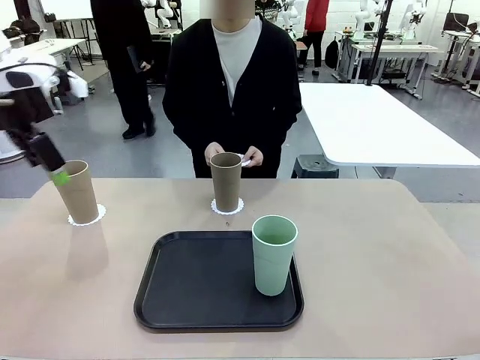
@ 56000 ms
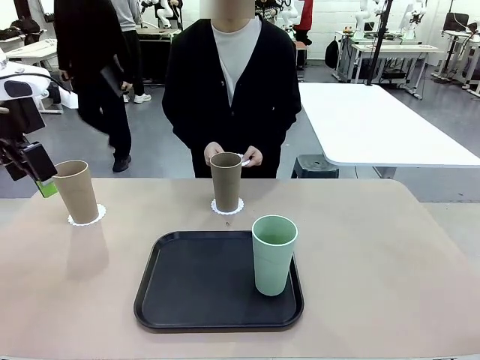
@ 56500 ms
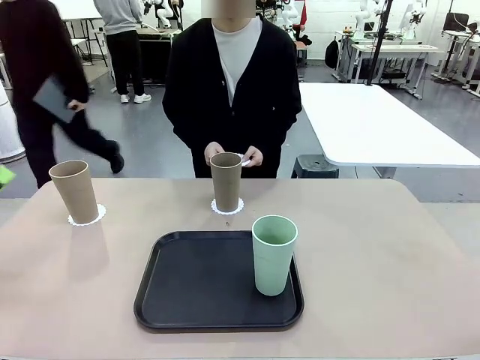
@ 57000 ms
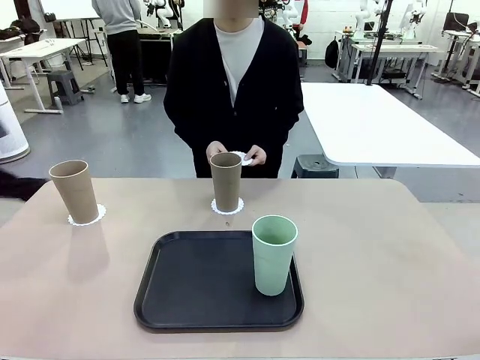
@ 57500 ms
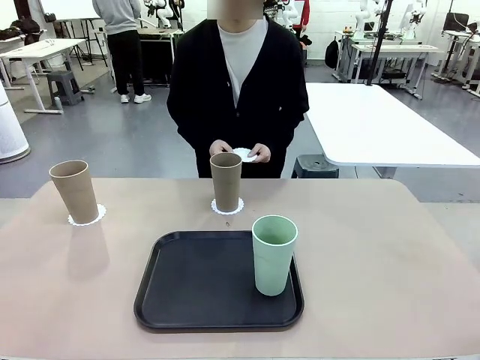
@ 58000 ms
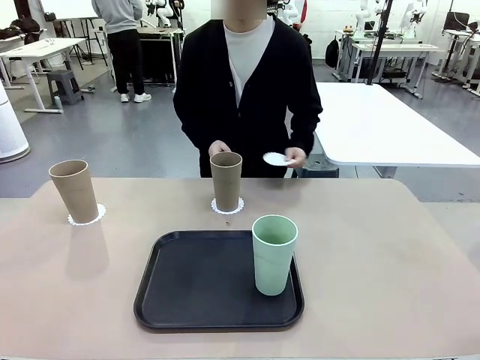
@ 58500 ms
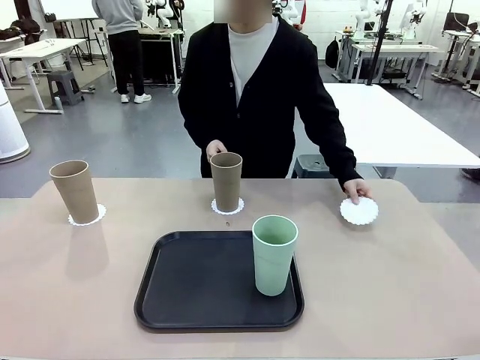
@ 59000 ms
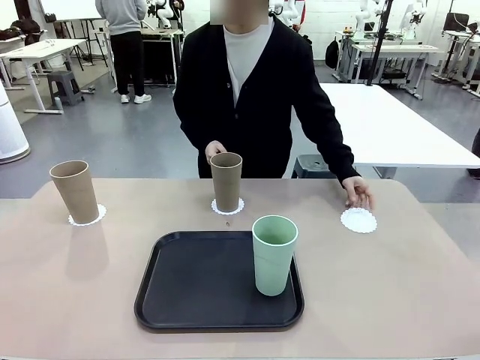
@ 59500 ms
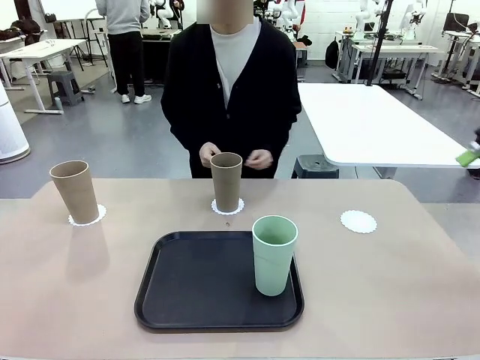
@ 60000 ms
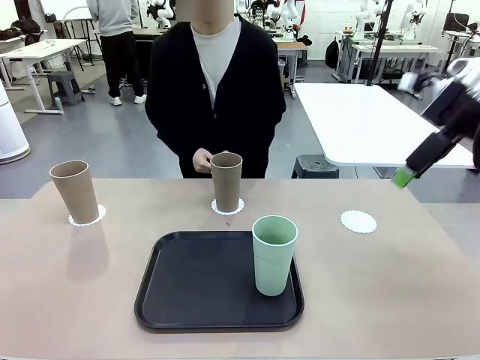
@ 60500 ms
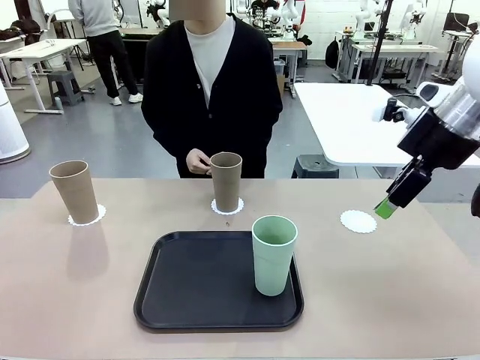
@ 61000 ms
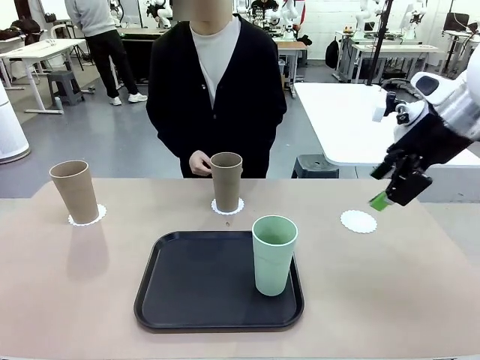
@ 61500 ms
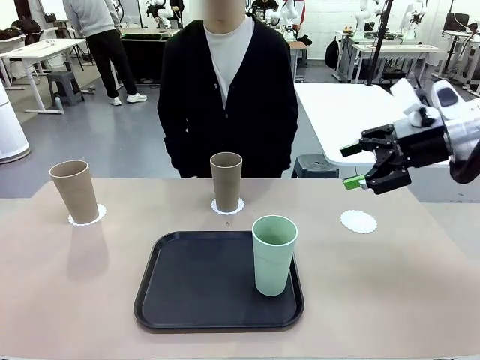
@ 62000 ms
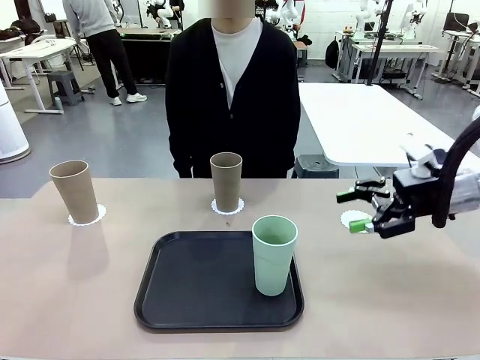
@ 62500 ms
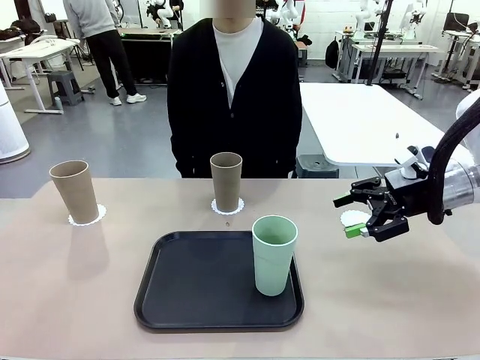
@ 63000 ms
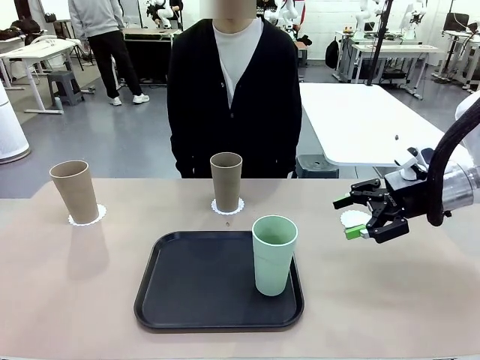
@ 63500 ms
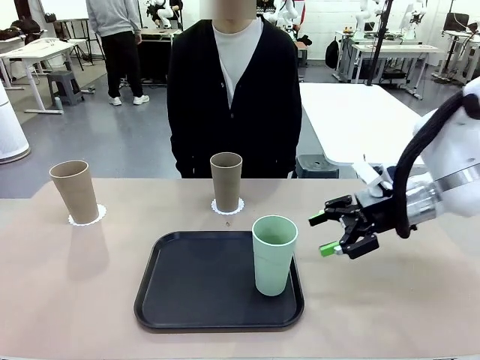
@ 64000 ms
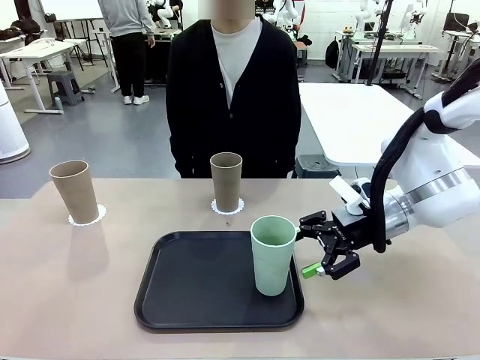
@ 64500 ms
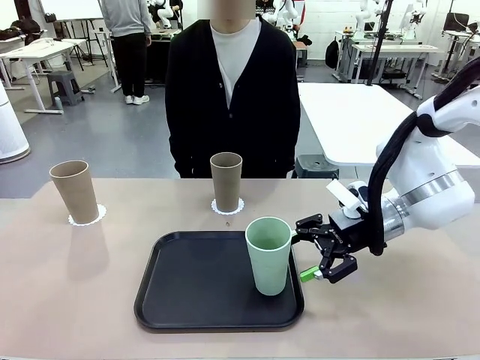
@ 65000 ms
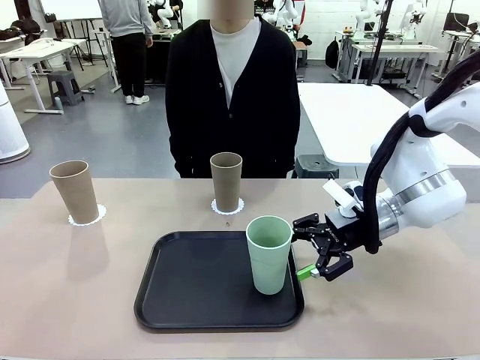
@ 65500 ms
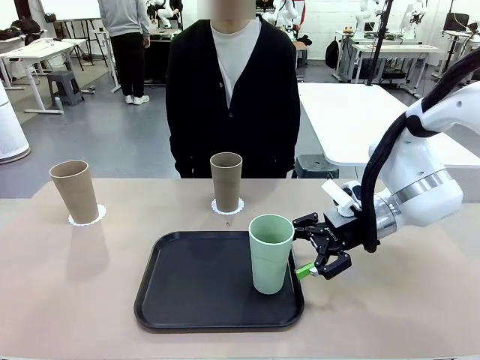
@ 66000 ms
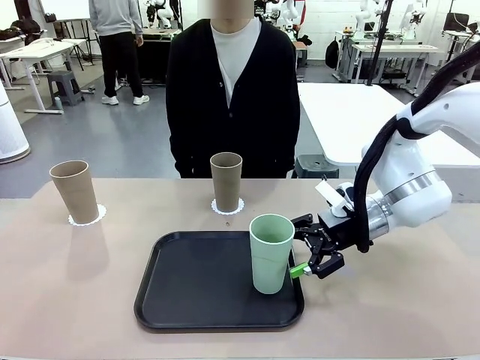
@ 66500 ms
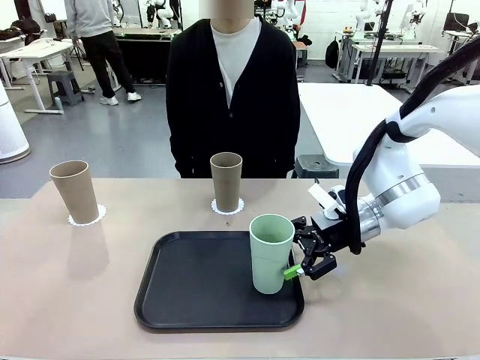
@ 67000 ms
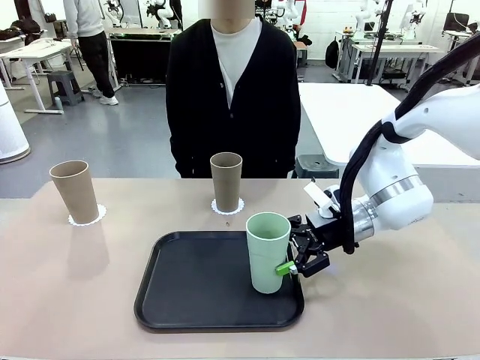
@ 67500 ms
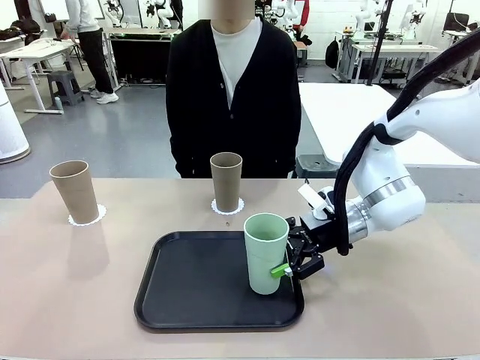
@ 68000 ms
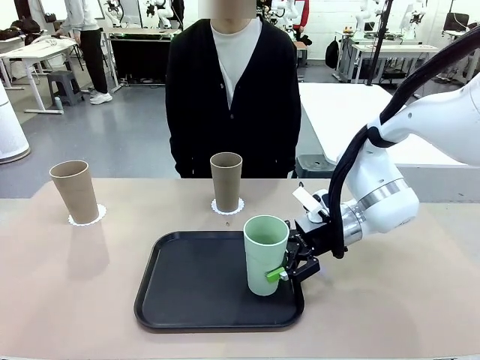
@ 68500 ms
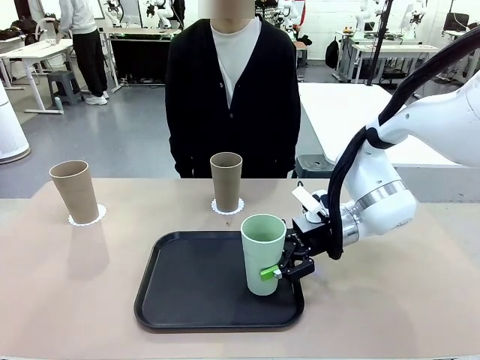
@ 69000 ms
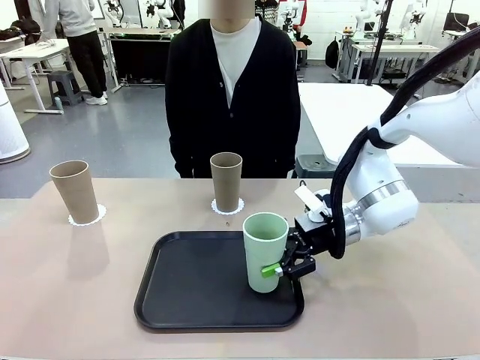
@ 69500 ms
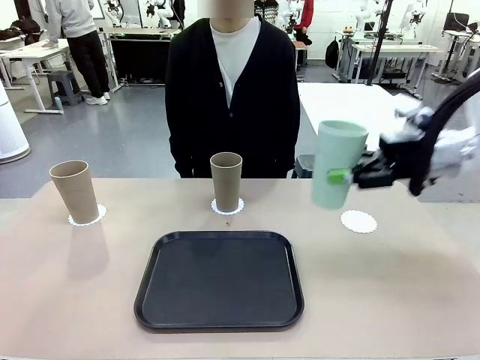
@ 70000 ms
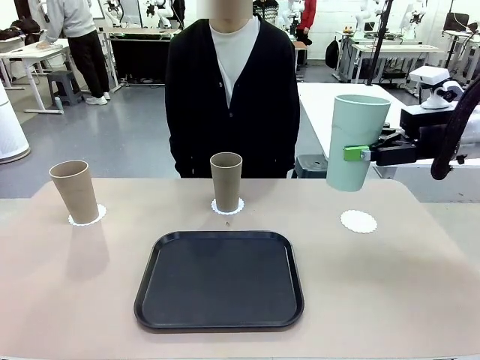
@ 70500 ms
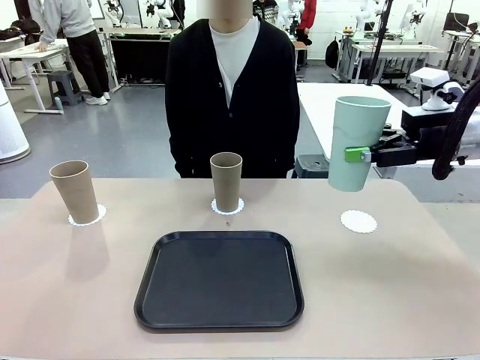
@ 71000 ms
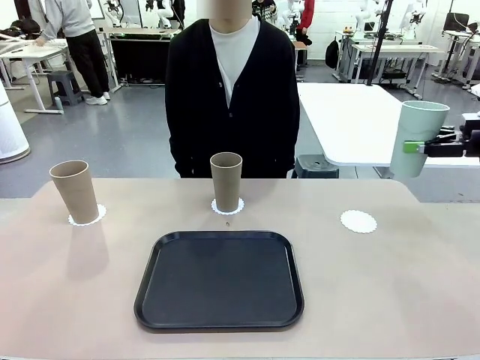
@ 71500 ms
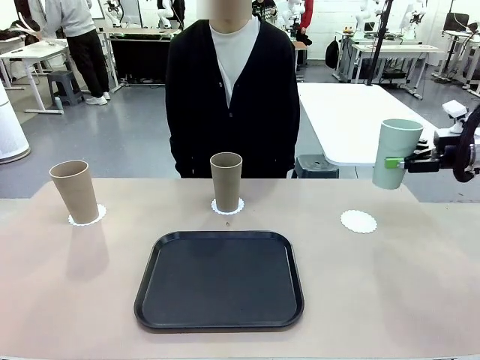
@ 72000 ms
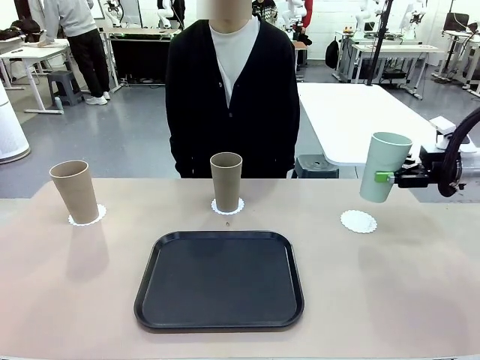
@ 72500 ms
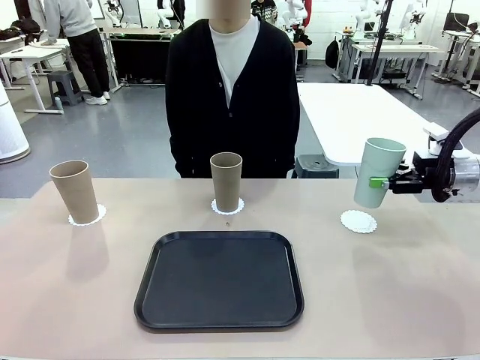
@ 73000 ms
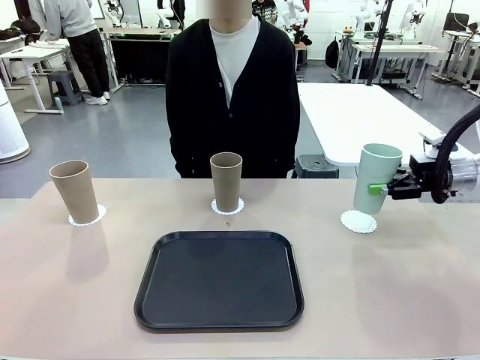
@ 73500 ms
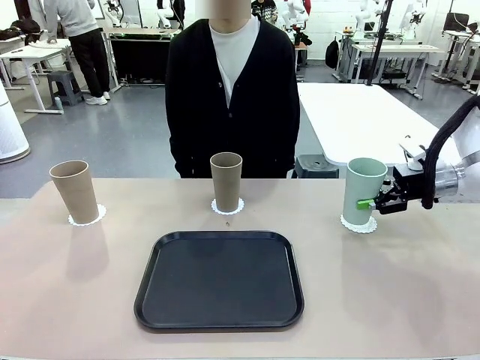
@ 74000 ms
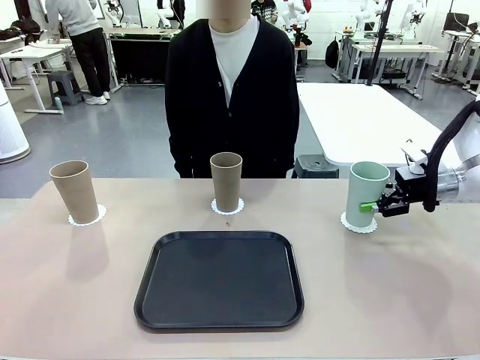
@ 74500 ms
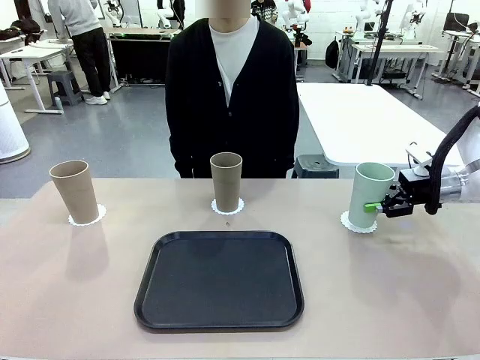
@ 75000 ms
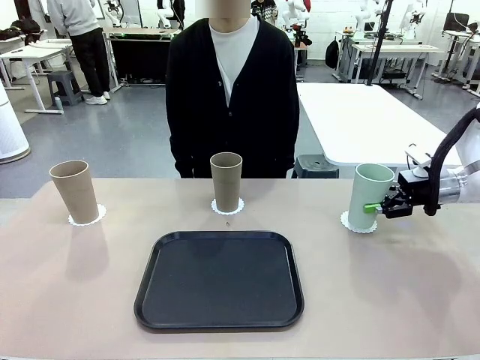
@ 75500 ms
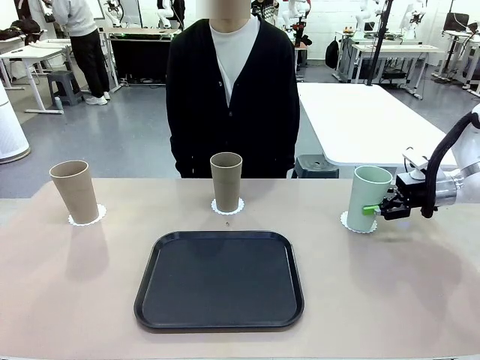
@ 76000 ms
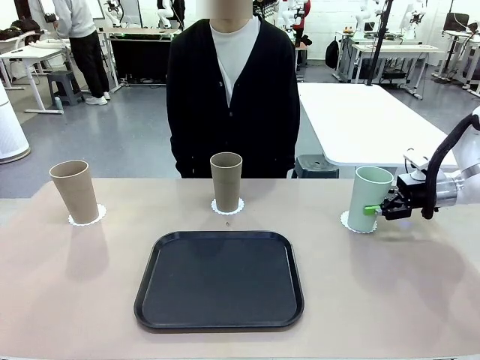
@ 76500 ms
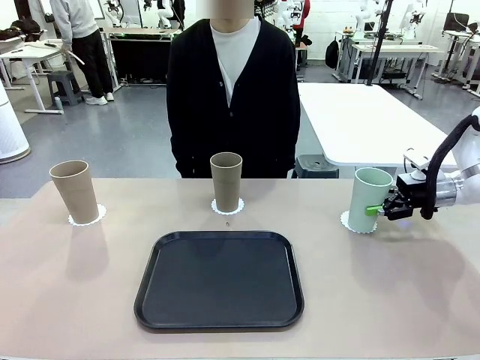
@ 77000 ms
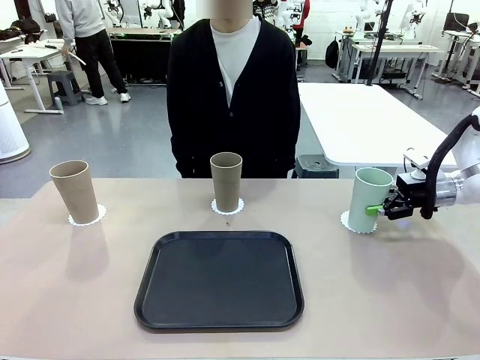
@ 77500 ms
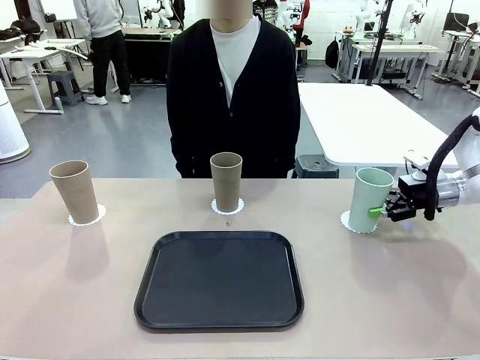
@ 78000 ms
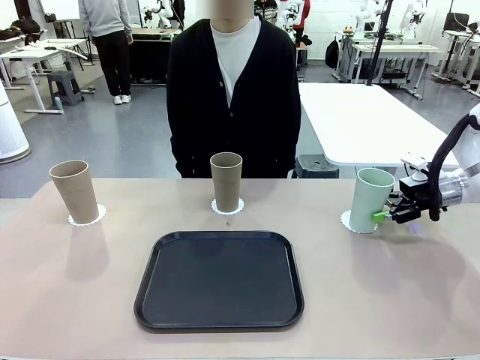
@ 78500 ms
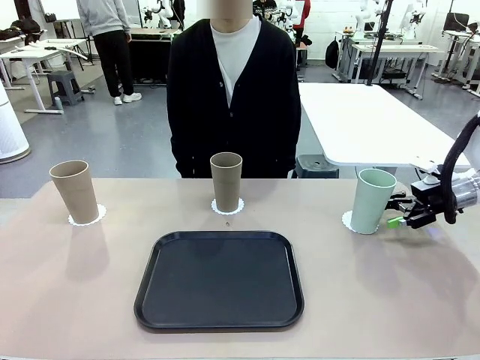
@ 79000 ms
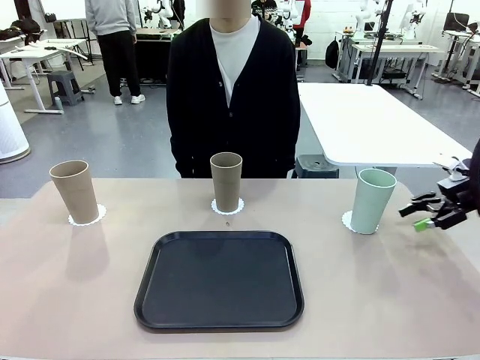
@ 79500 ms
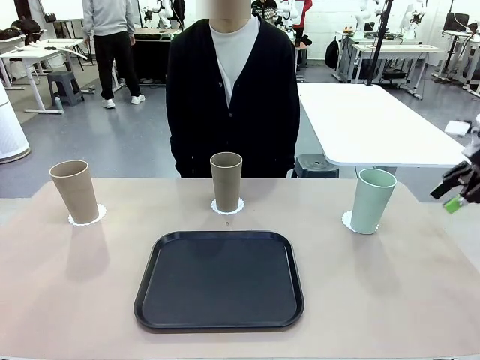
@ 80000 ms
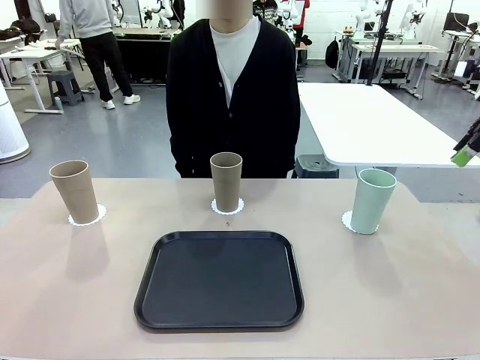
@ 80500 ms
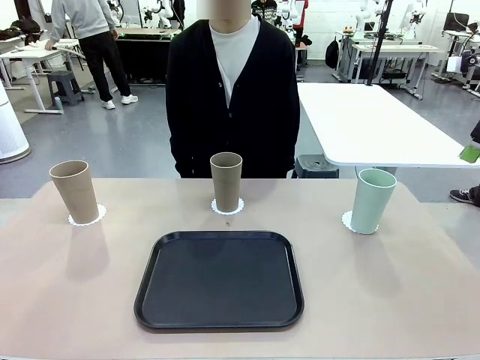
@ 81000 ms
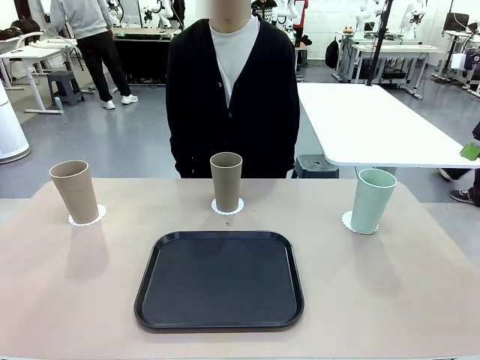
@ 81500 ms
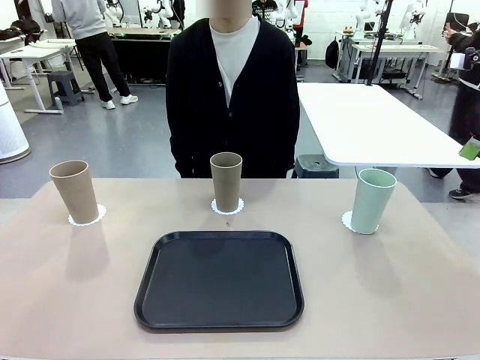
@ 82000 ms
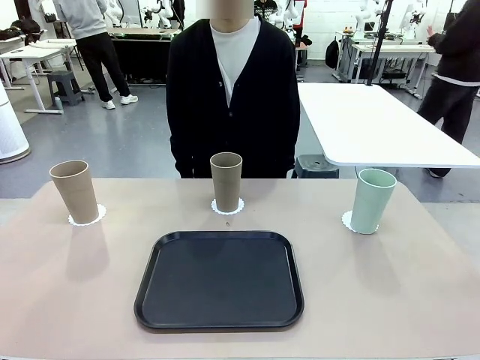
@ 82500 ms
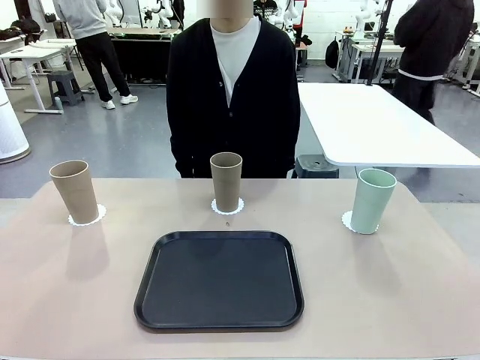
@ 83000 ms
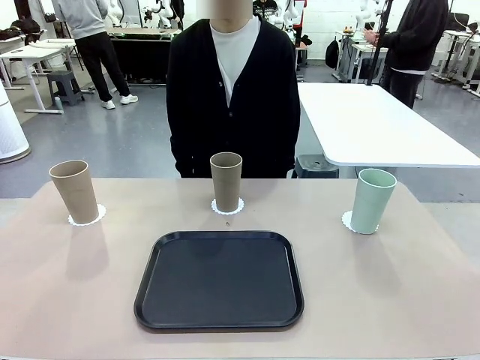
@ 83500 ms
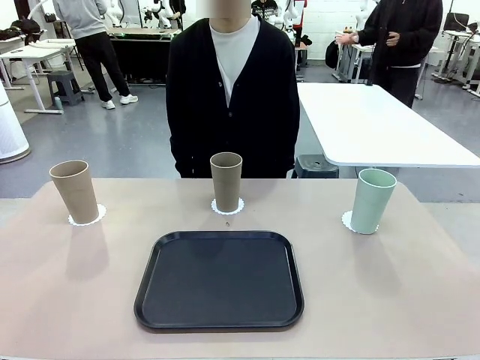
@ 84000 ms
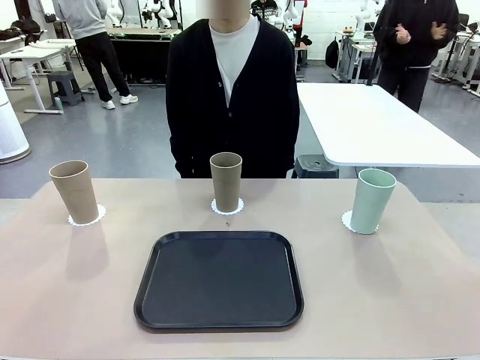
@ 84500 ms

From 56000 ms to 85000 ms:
Task: Place coasters on the table and set cups on them.
Robot: Take one Reusable plastic cup from the Flat Tray and place it on a coaster set by the human.
Person: Place one coaster in the only remaining area.
